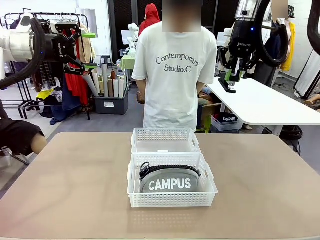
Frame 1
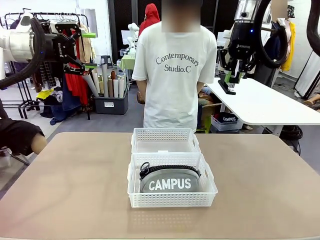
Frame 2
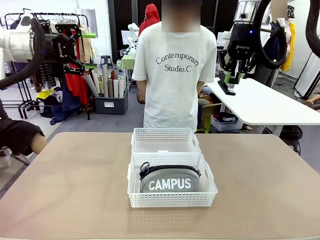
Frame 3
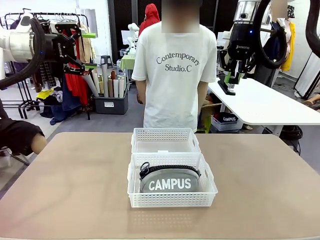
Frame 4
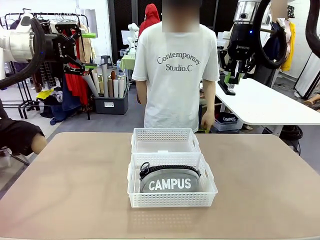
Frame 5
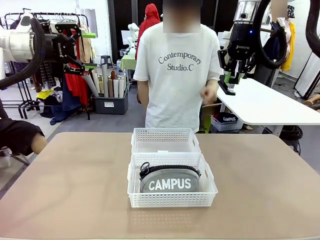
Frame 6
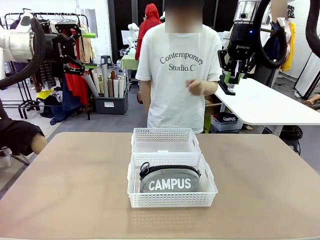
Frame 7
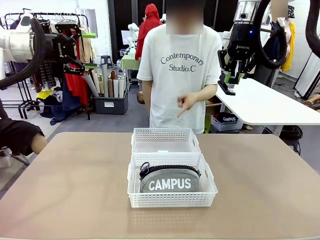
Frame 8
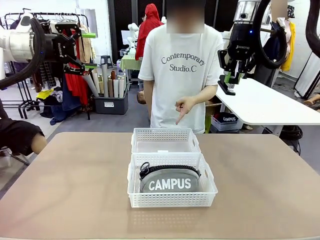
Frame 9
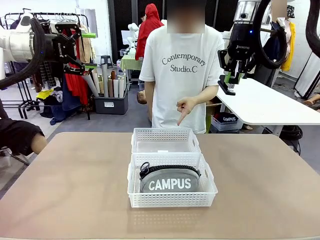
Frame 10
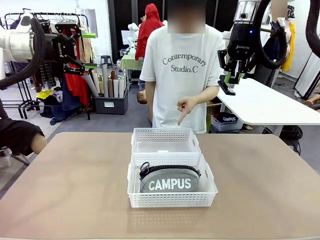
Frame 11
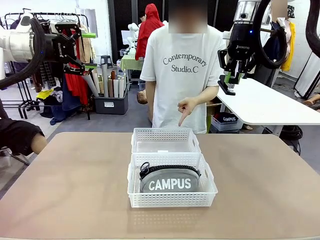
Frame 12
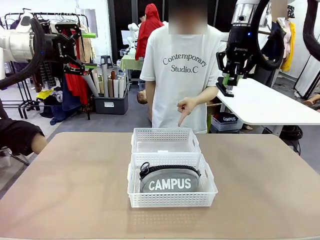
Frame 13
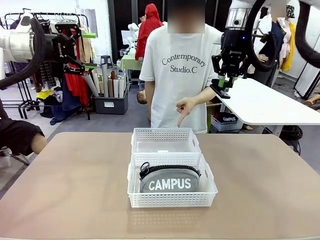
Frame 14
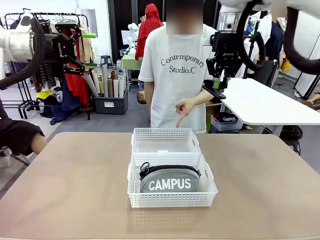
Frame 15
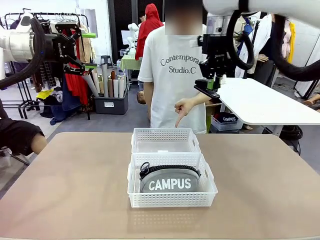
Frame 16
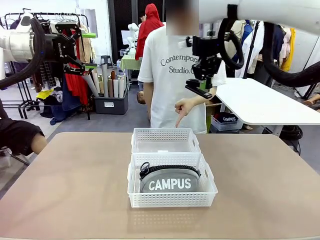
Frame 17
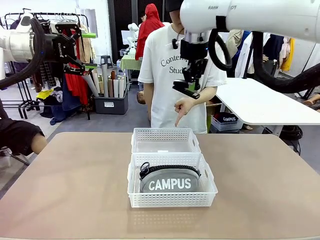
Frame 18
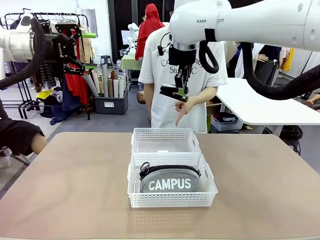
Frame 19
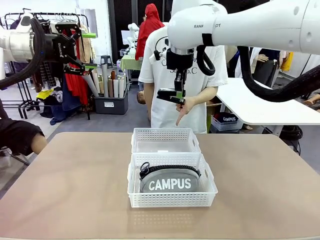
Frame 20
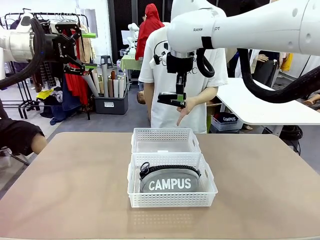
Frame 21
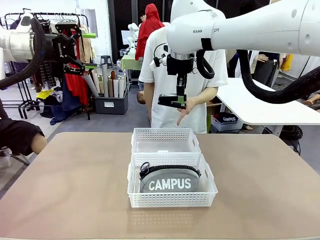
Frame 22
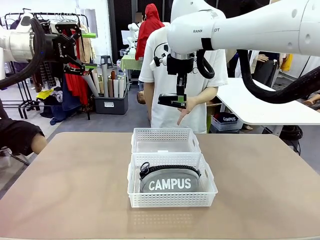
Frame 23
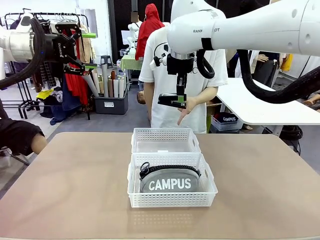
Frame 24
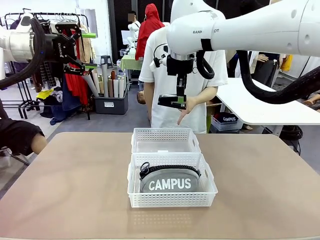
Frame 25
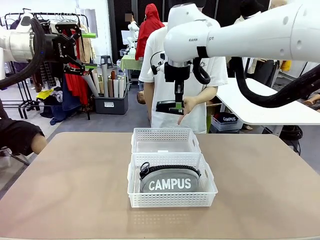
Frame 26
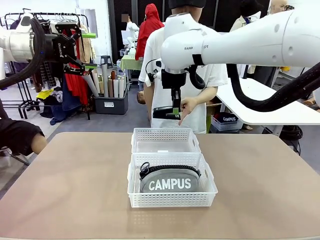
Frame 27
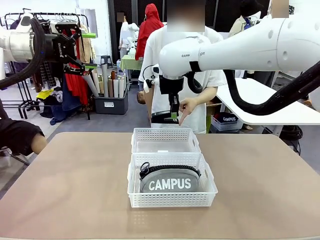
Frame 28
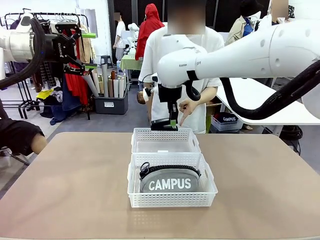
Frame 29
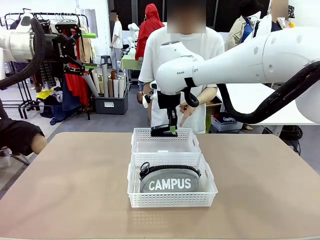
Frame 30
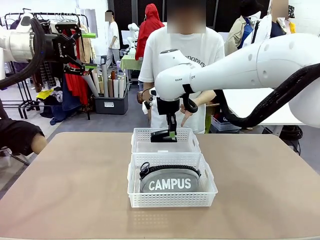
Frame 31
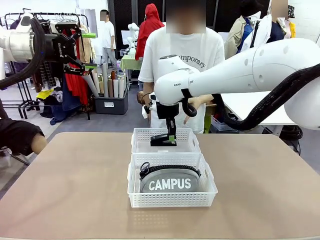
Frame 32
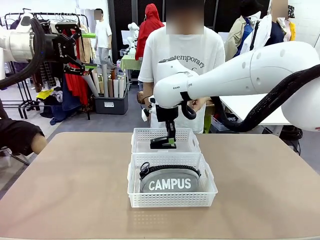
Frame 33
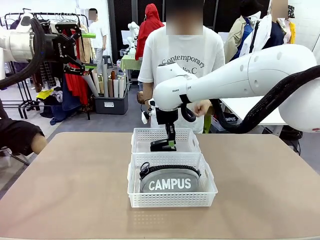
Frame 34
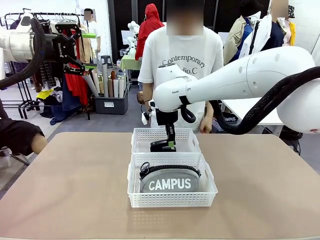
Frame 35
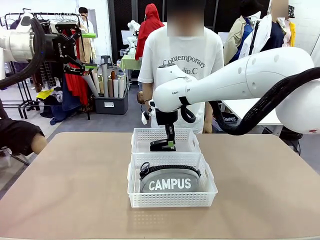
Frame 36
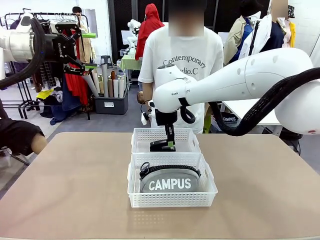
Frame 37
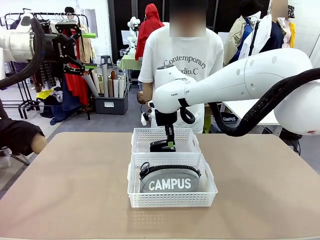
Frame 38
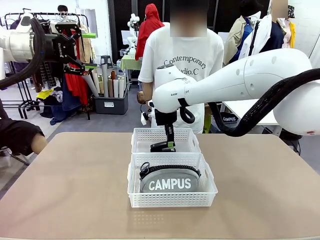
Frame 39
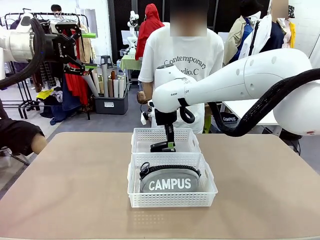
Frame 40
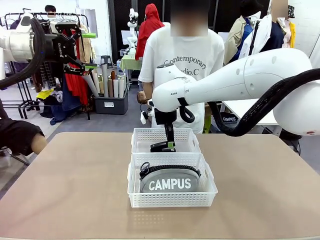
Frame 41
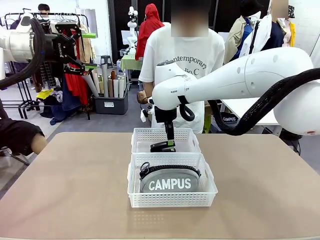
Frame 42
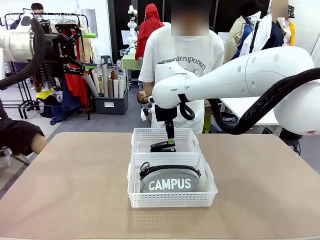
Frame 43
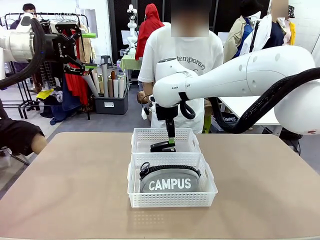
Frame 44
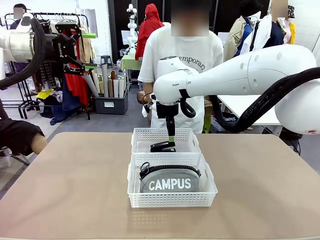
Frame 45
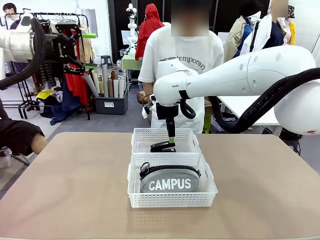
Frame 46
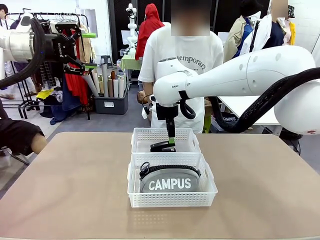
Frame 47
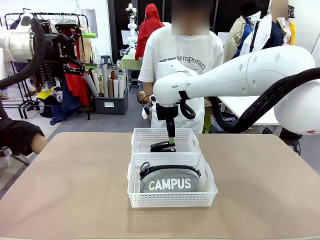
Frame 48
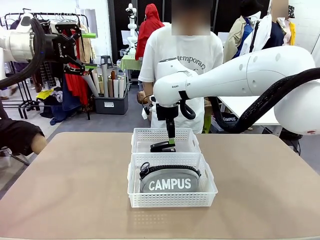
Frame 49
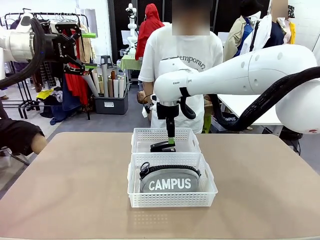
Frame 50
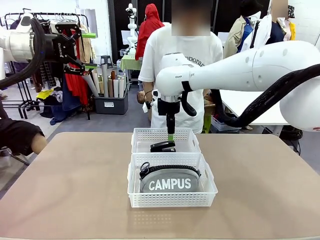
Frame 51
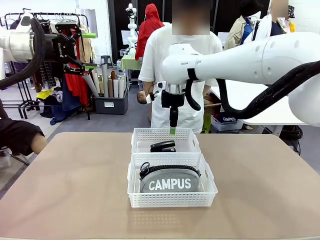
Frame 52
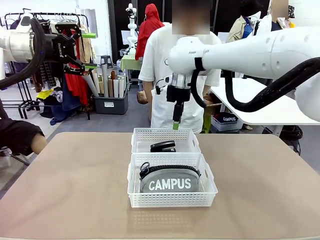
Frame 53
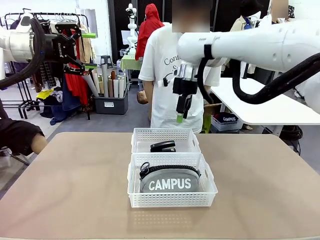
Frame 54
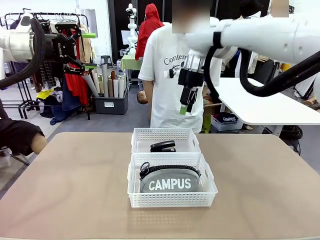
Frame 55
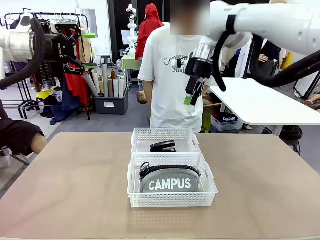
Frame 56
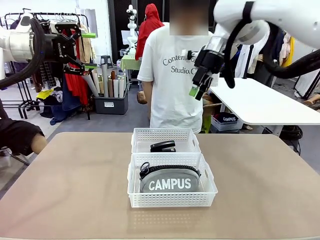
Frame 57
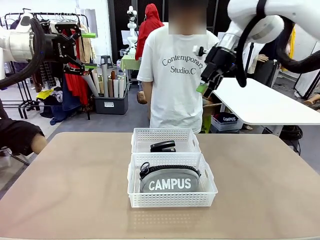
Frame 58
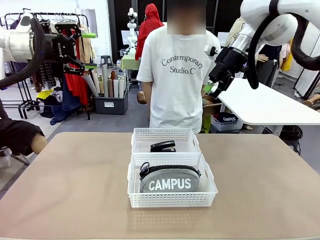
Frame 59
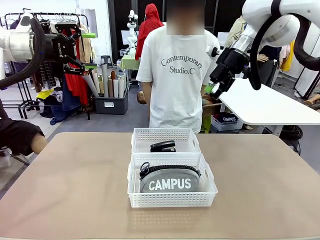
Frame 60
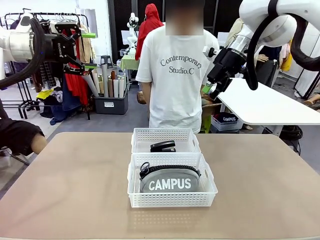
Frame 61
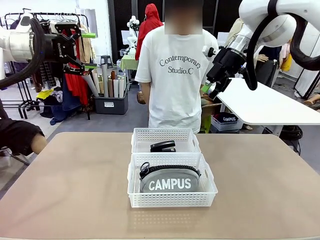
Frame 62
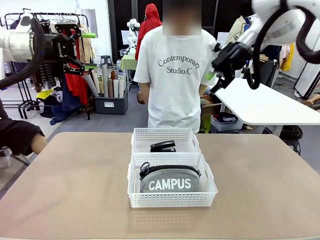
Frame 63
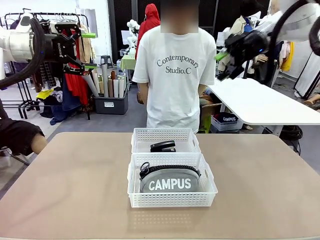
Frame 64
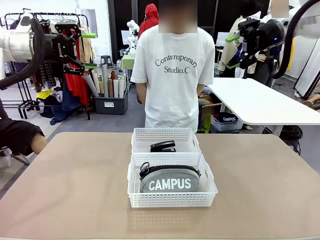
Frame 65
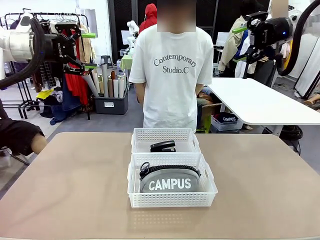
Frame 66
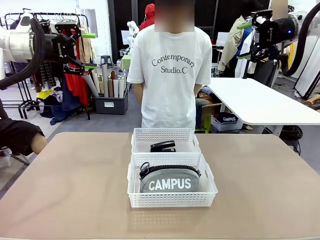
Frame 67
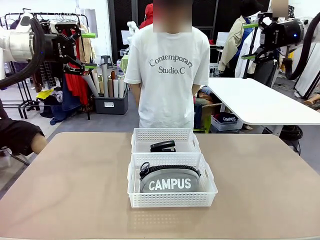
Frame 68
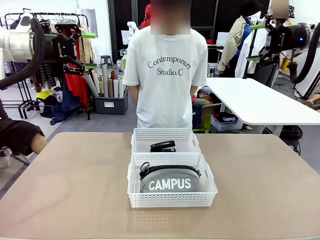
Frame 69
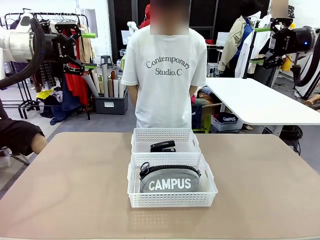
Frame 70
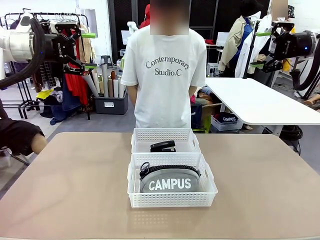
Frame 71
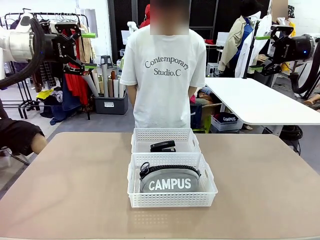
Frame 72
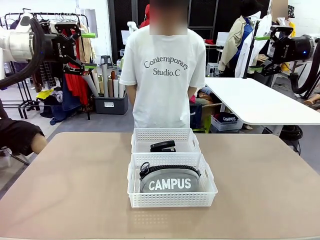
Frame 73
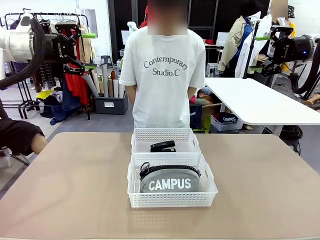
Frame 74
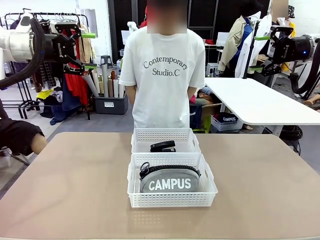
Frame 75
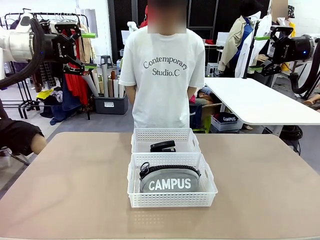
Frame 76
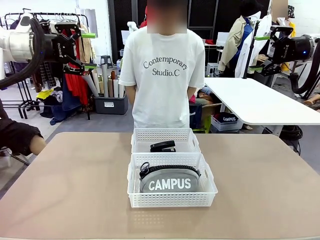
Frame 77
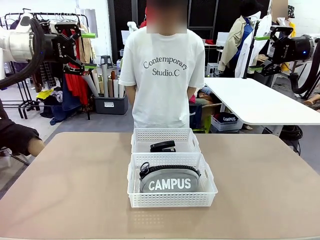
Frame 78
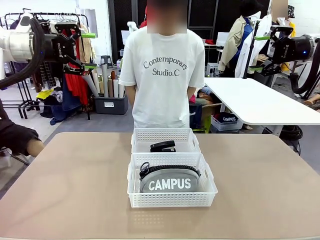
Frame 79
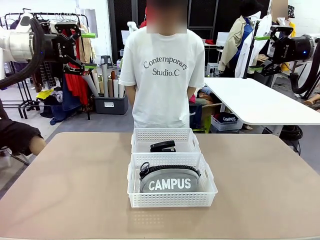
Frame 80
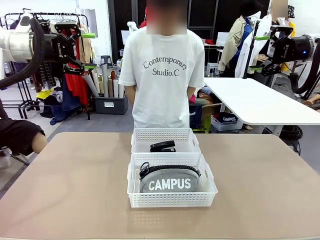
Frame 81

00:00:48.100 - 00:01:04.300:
Task: Distribute items into two baskets.
Robot: Place the picked Stapler into the Organizing basket as instructed by the person.
Person: Points to the basket that does not contain the pencil case and instructs the robot to move the stapler there.
